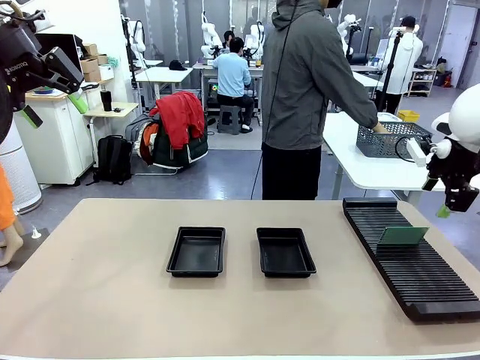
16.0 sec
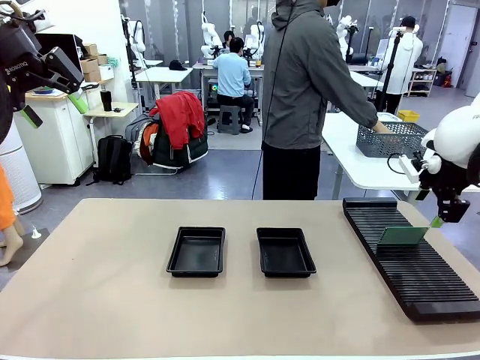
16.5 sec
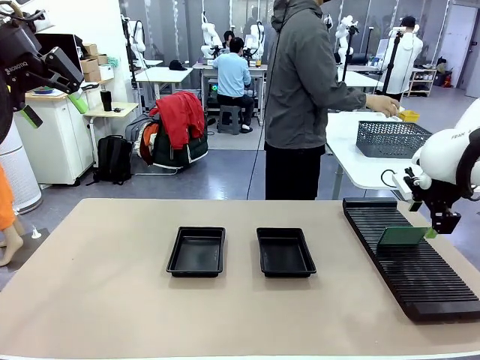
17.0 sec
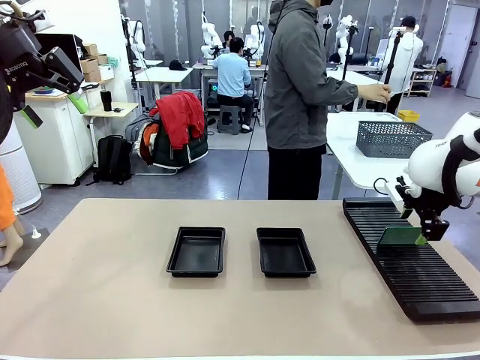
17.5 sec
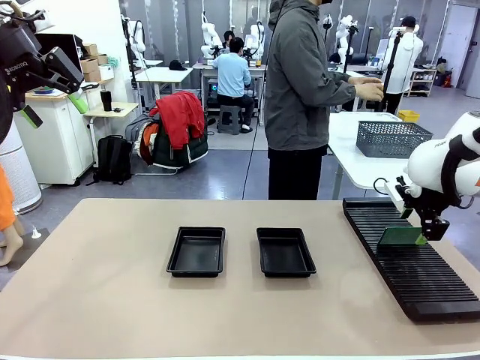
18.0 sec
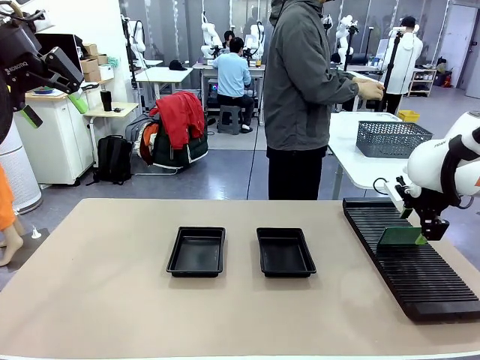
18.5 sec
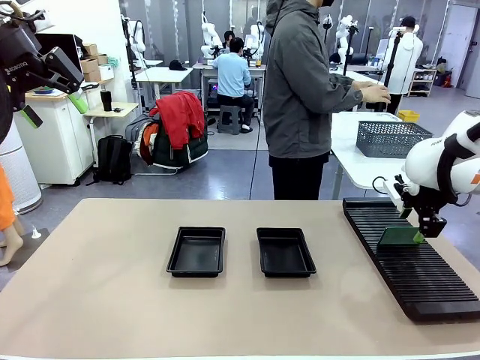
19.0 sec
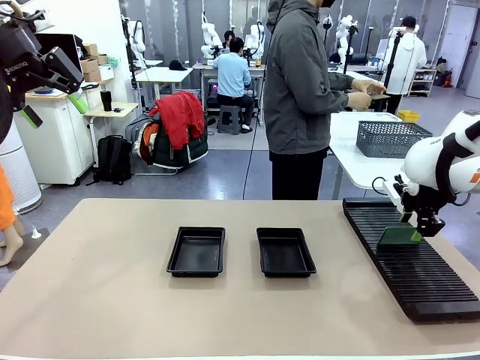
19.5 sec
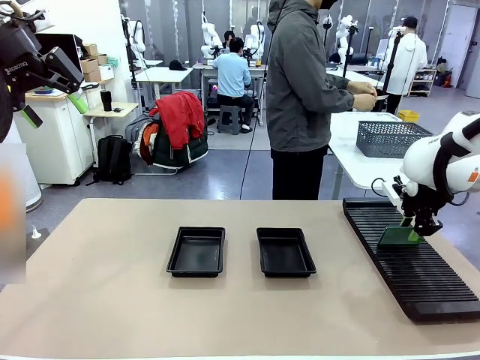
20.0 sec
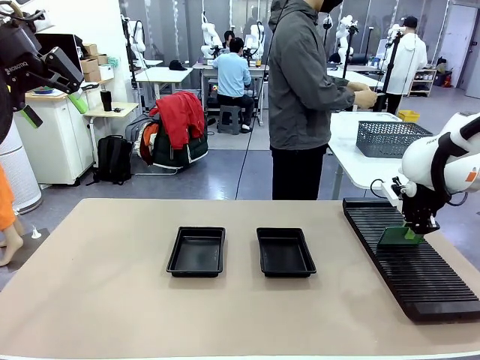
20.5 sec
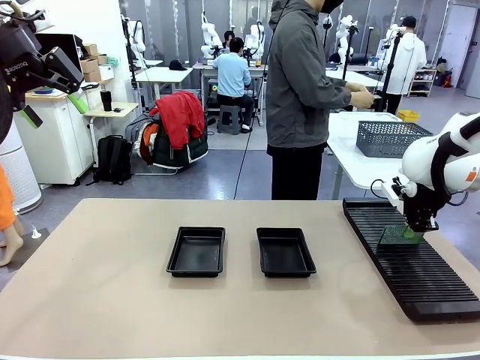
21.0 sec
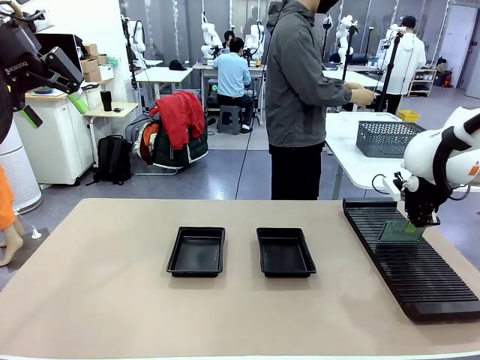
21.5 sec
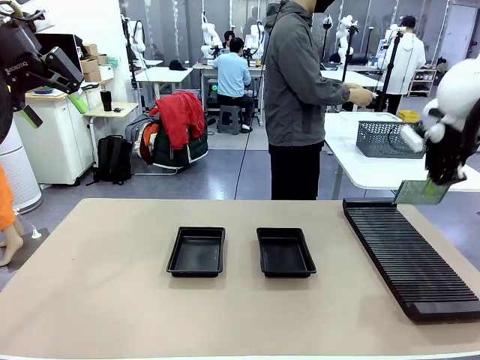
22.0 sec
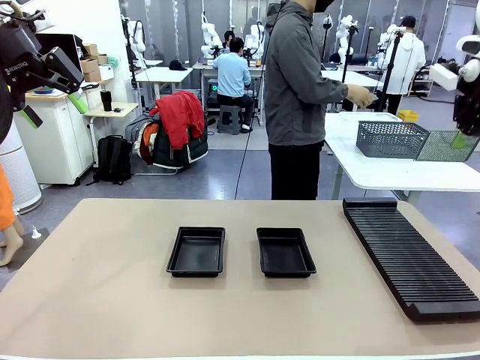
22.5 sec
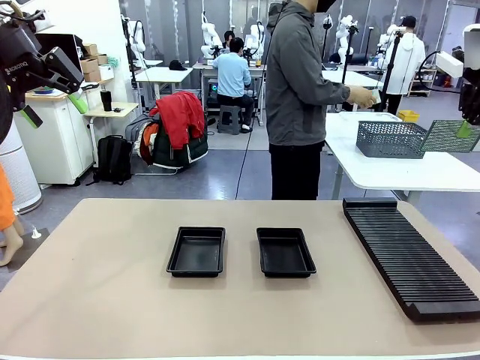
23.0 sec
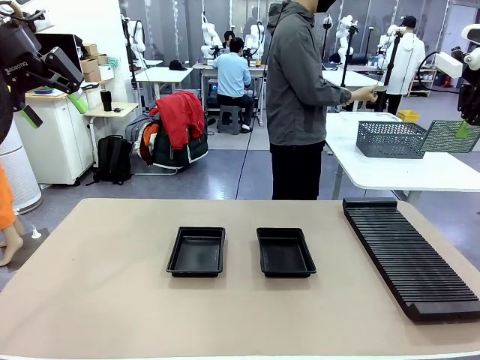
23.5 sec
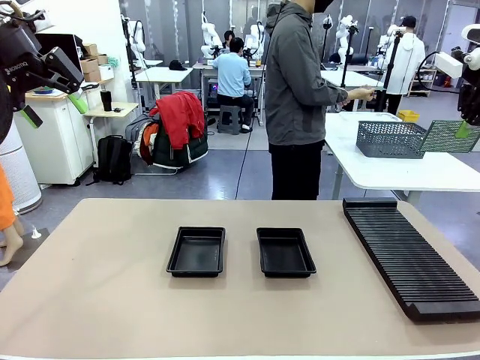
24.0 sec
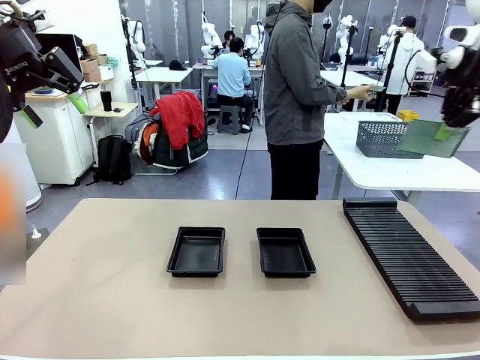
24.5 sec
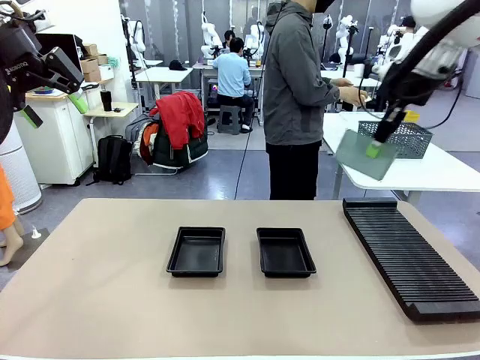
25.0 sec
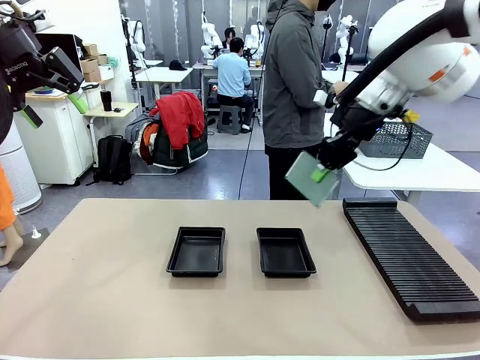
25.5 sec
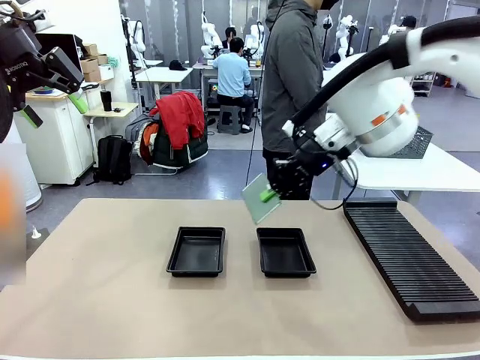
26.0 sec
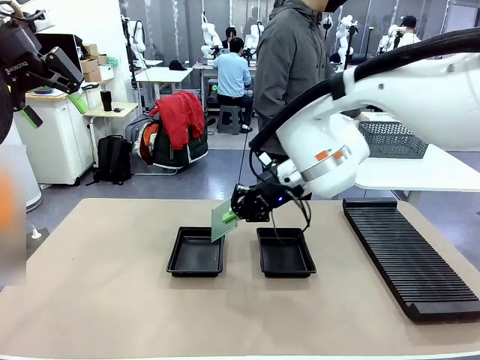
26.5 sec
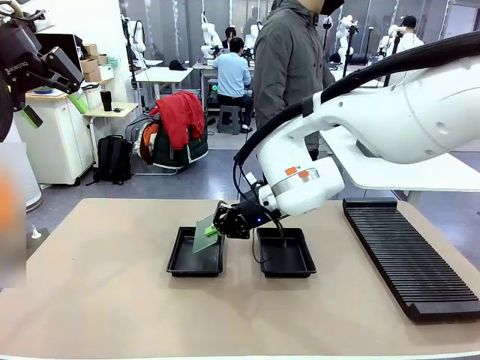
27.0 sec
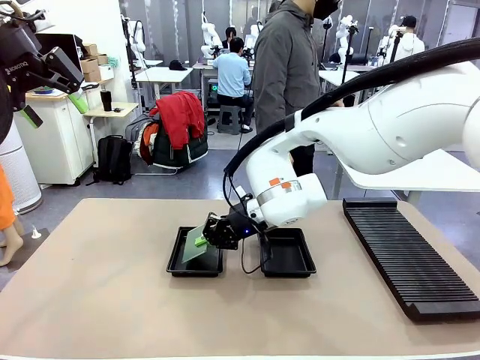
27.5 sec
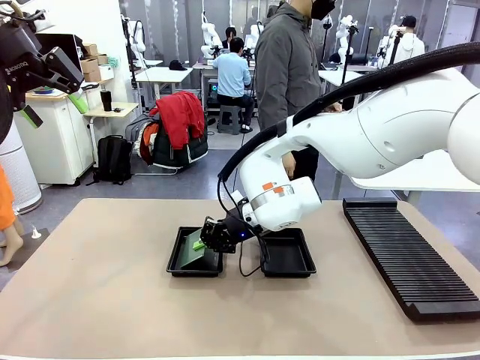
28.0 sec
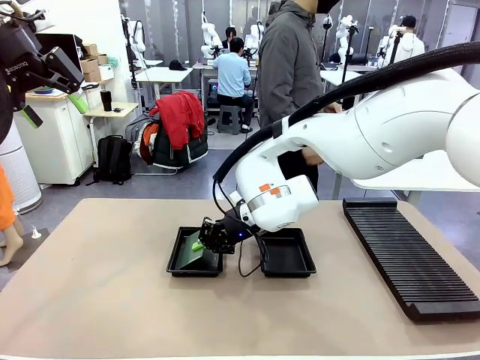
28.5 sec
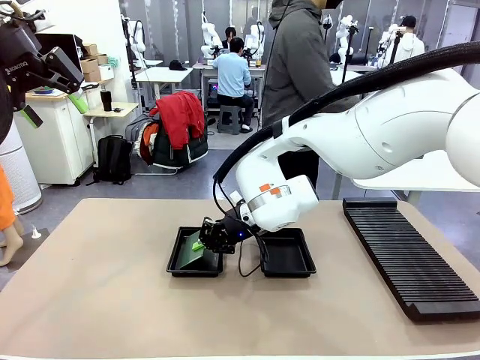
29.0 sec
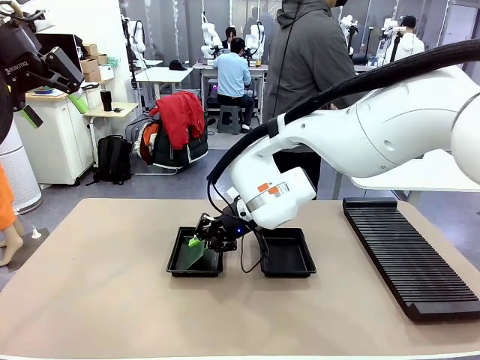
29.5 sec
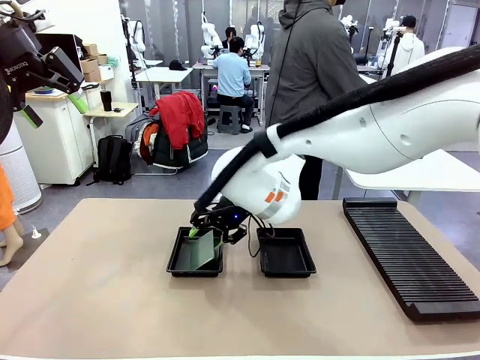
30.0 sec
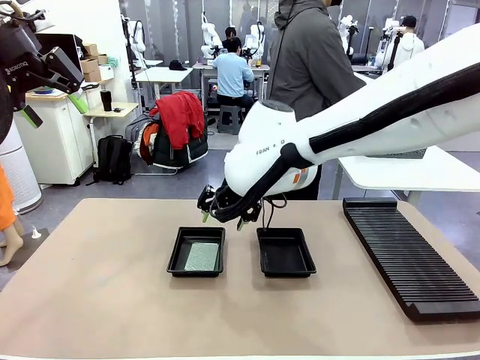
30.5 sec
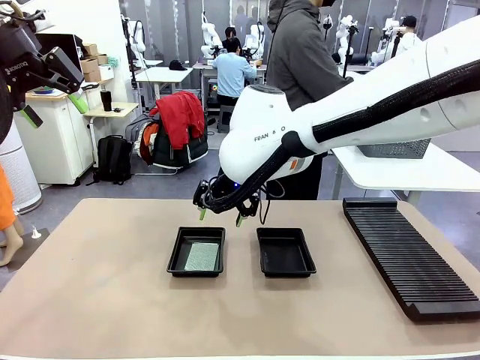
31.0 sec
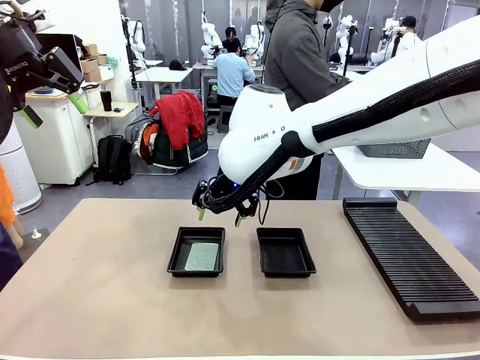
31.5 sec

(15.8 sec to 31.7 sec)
Task: Inspect and transfer BCBs to ESD trays.
Robot: Pick up the Blank PCB from the PCB Rack and place it in the left ESD tray.

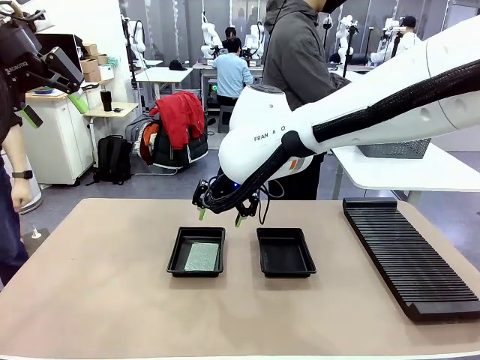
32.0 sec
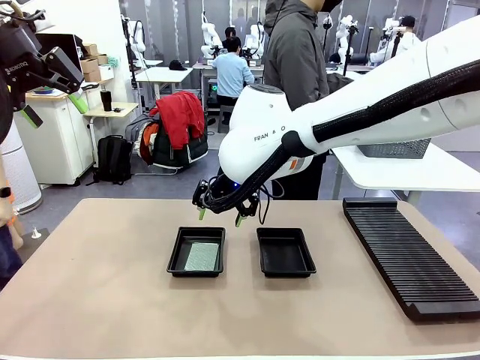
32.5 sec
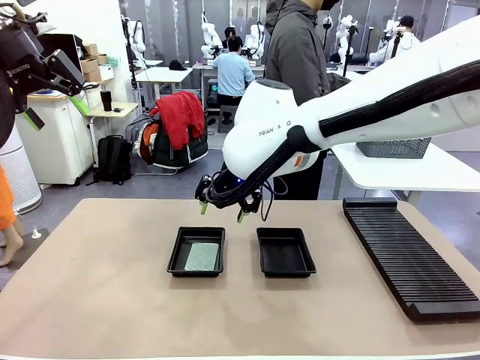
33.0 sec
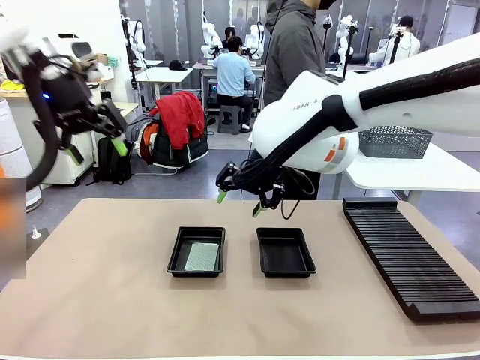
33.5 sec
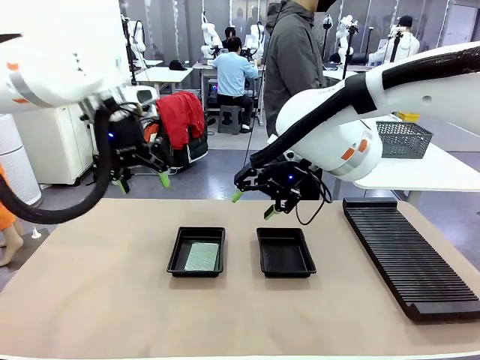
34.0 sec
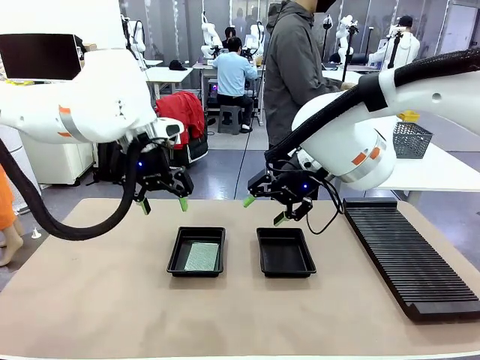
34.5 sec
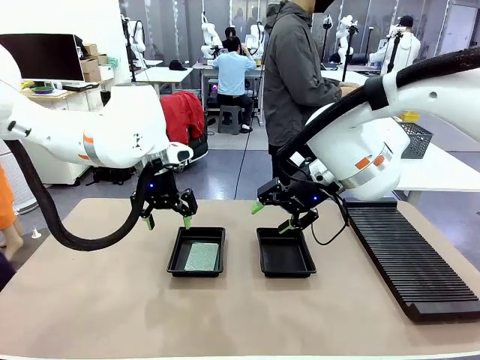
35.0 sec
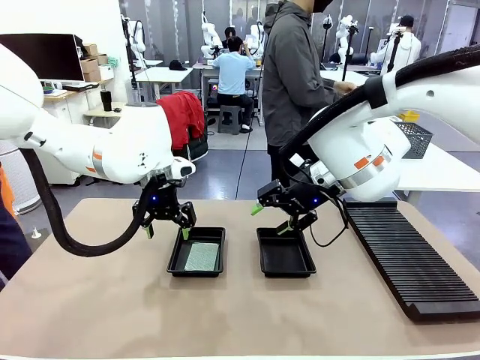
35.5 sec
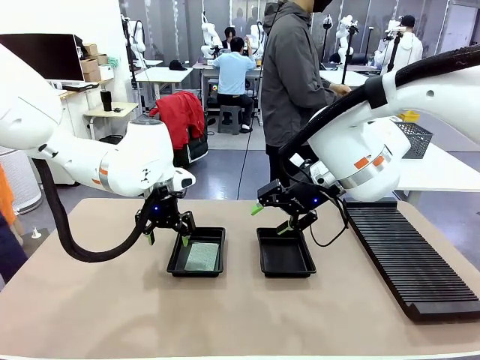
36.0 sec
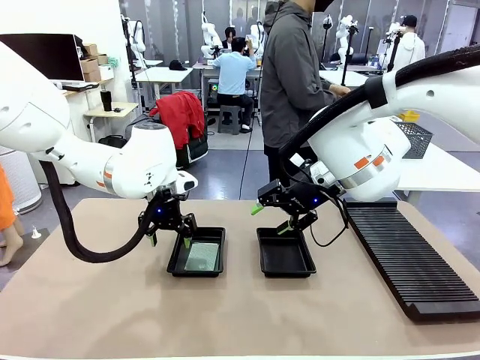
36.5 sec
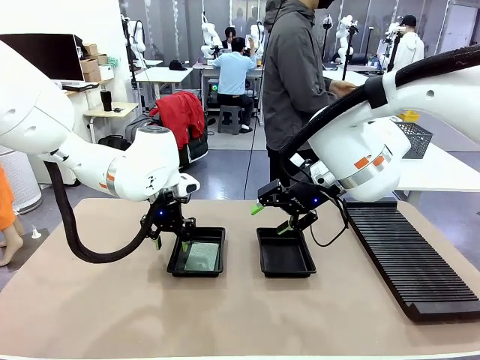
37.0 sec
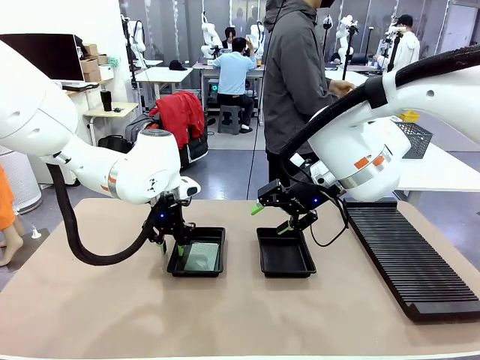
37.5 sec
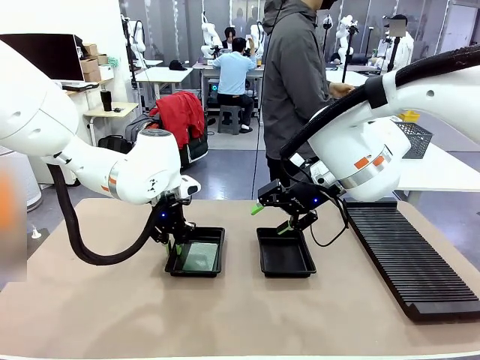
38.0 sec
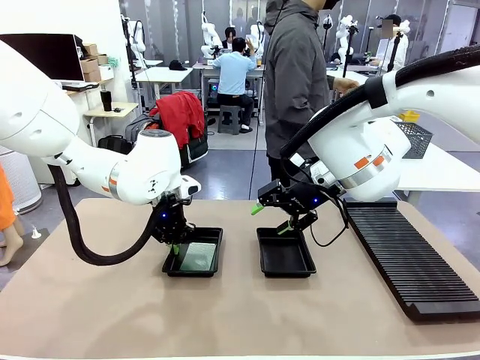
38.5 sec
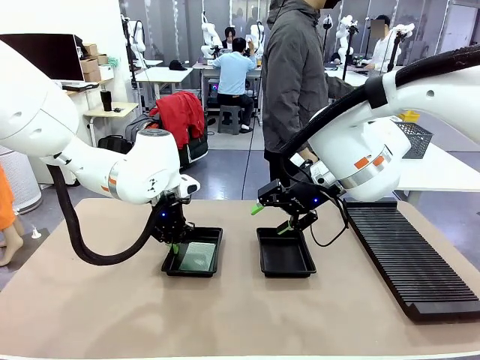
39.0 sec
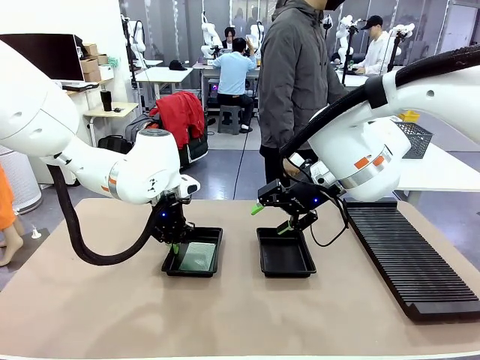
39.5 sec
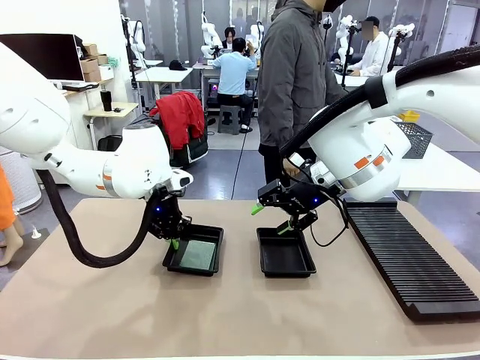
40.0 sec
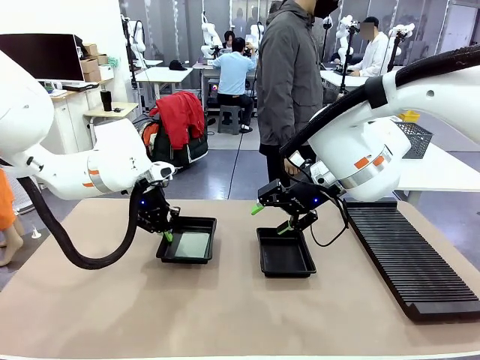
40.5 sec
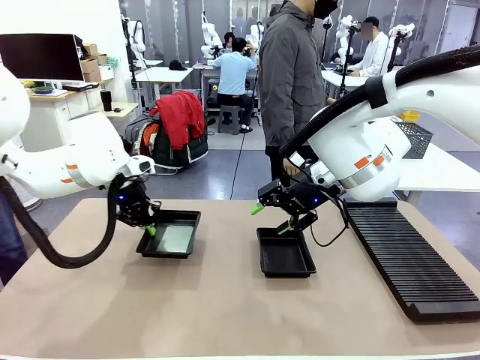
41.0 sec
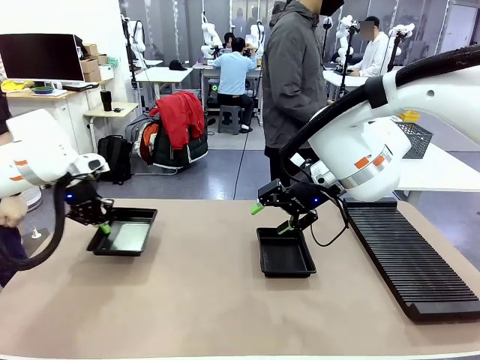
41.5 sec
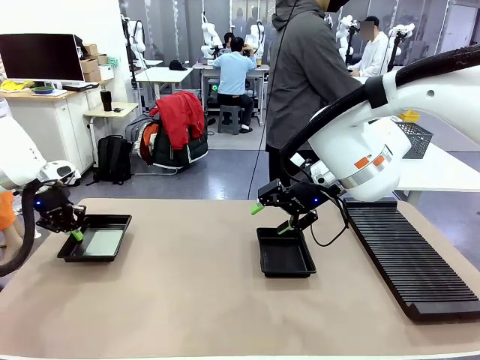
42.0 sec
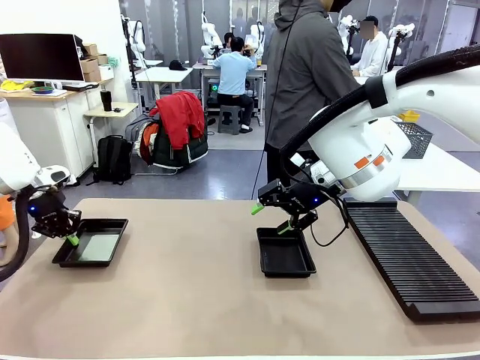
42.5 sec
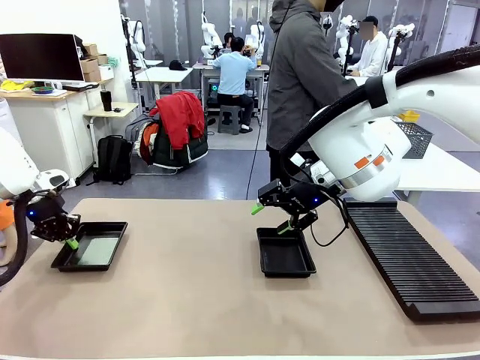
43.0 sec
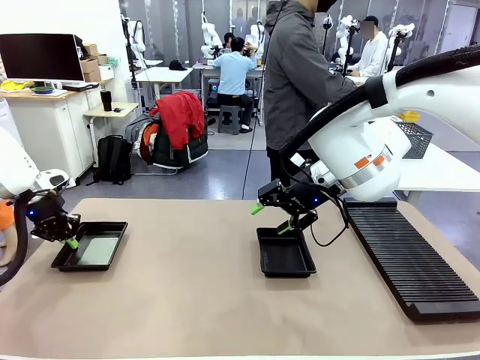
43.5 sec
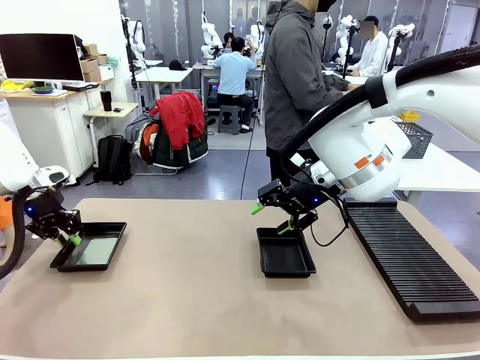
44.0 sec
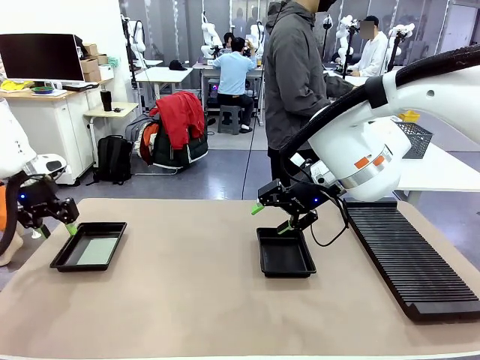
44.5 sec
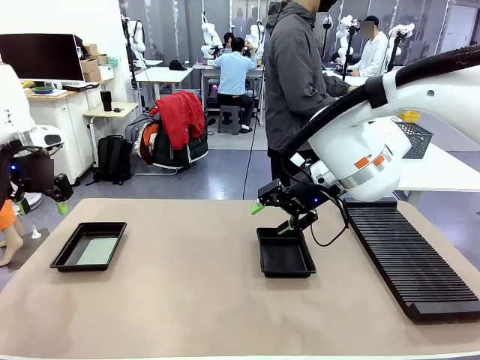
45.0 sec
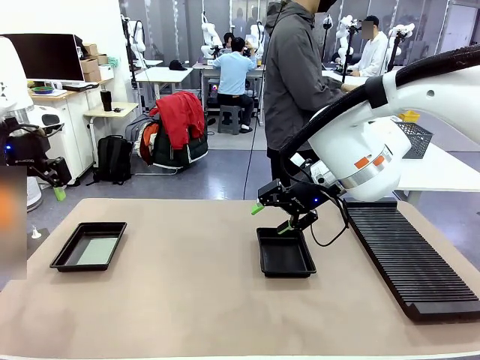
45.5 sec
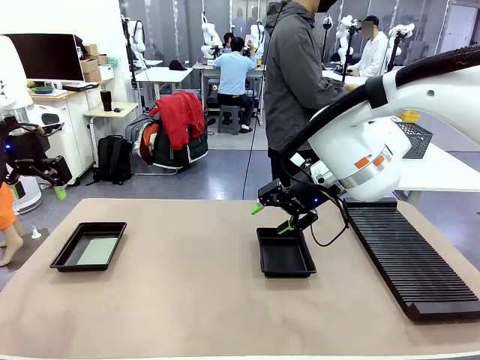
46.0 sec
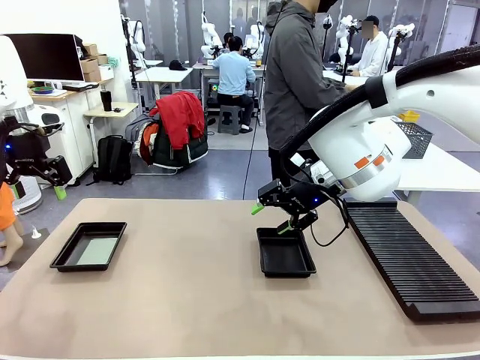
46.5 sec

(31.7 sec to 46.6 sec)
Robot: Pick up the ESD tray and place it on the left side of the table.
